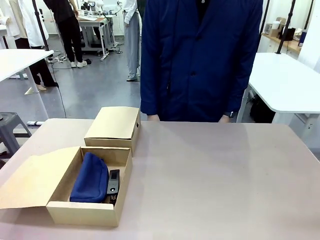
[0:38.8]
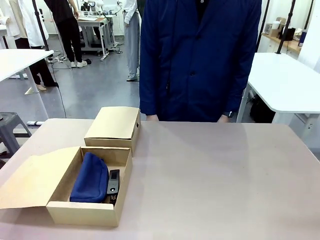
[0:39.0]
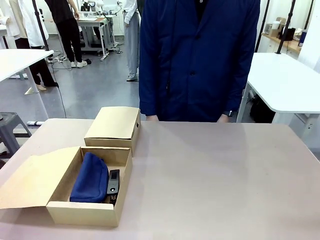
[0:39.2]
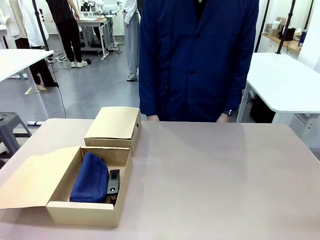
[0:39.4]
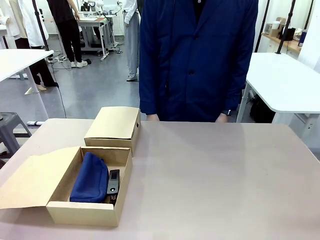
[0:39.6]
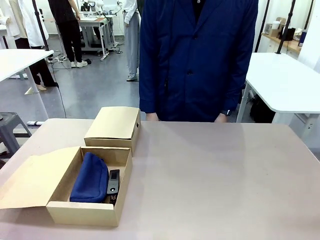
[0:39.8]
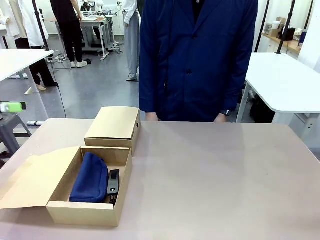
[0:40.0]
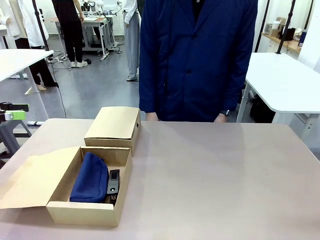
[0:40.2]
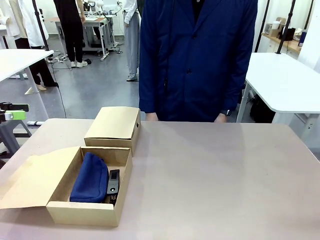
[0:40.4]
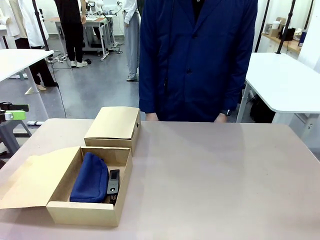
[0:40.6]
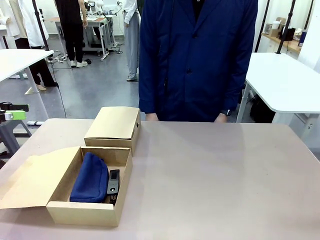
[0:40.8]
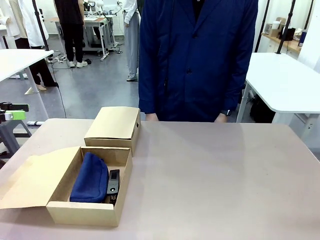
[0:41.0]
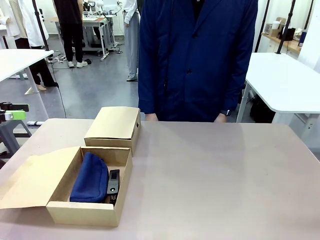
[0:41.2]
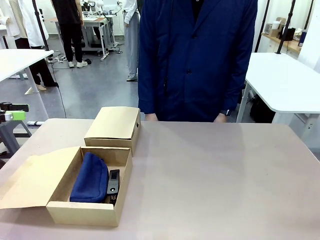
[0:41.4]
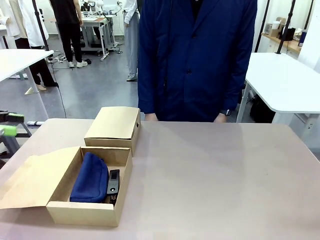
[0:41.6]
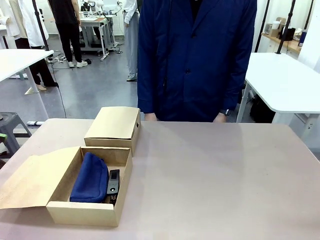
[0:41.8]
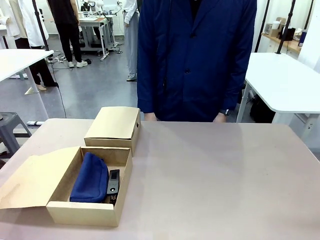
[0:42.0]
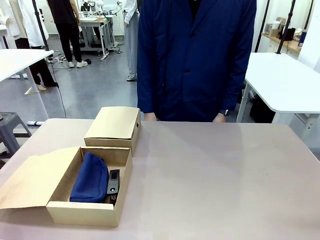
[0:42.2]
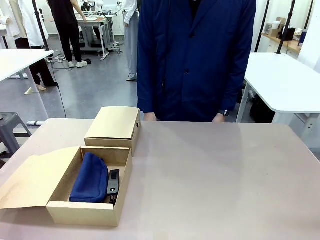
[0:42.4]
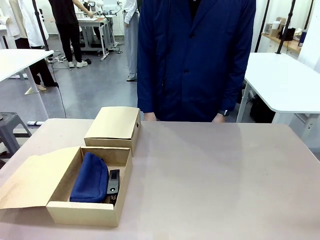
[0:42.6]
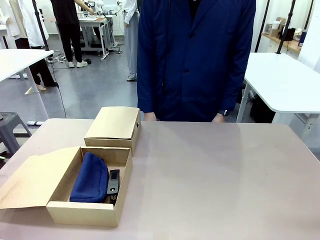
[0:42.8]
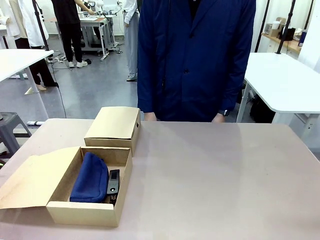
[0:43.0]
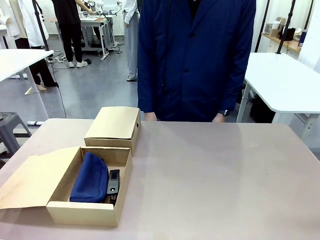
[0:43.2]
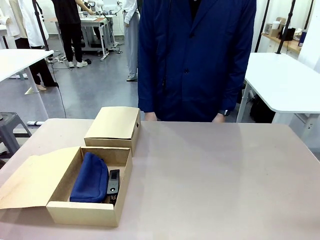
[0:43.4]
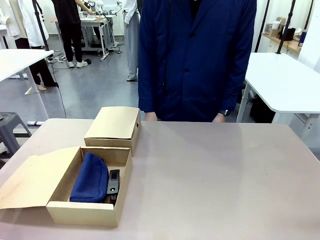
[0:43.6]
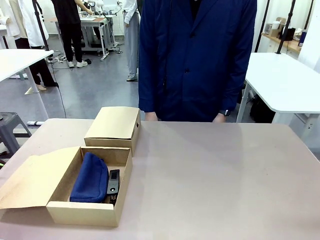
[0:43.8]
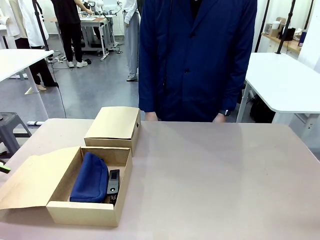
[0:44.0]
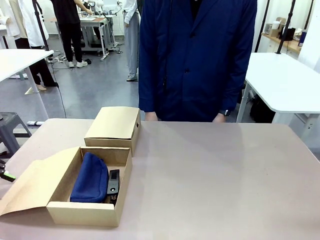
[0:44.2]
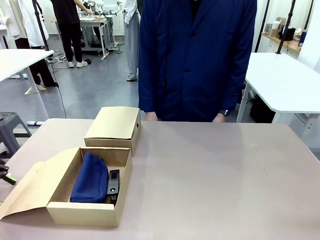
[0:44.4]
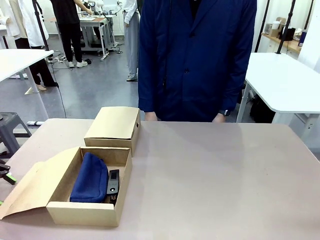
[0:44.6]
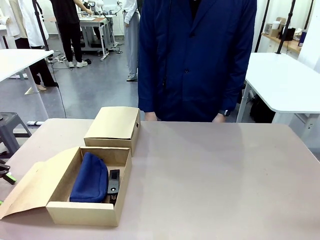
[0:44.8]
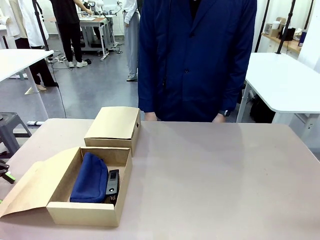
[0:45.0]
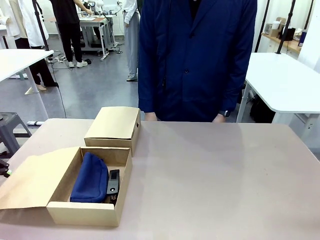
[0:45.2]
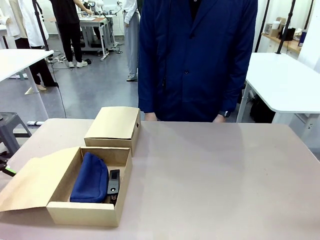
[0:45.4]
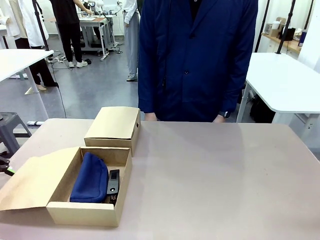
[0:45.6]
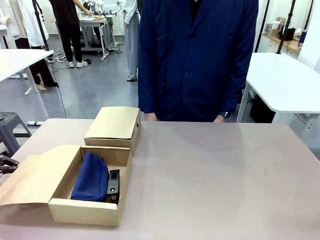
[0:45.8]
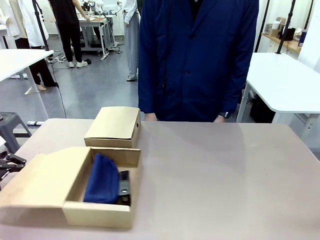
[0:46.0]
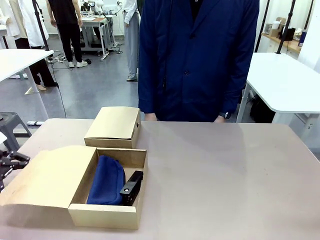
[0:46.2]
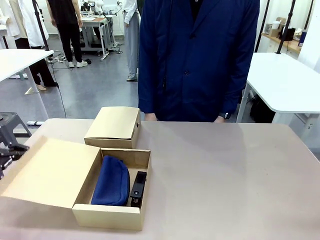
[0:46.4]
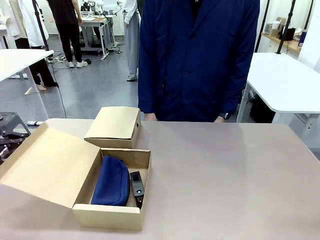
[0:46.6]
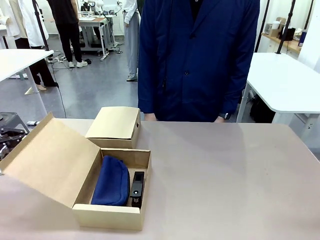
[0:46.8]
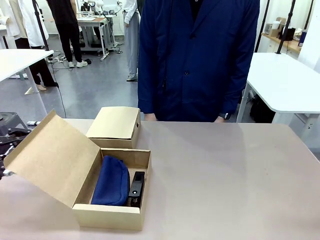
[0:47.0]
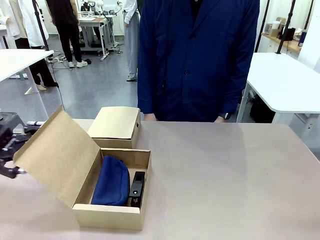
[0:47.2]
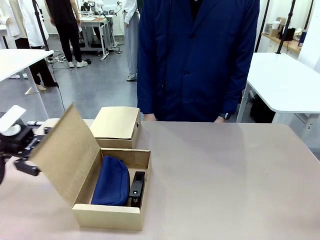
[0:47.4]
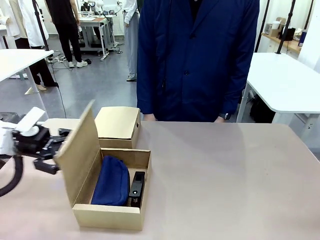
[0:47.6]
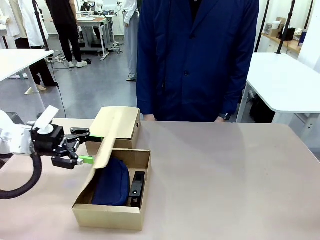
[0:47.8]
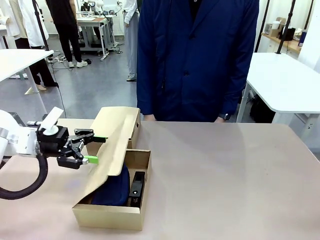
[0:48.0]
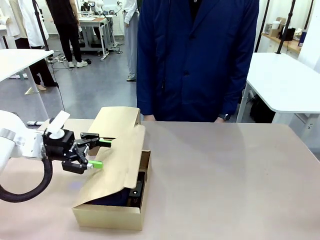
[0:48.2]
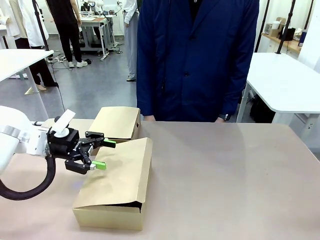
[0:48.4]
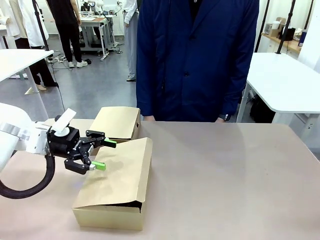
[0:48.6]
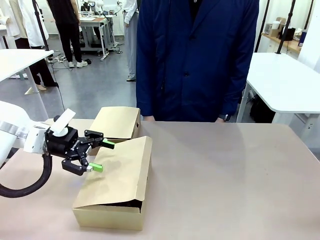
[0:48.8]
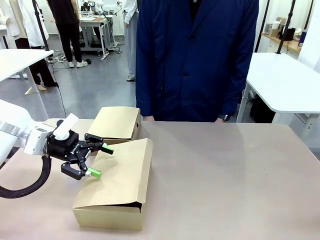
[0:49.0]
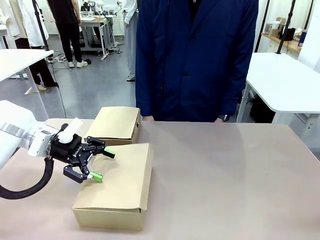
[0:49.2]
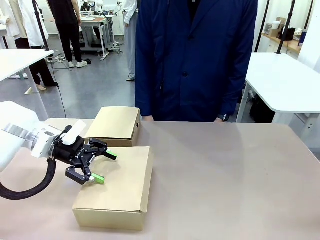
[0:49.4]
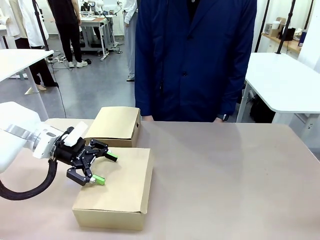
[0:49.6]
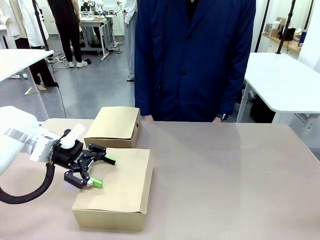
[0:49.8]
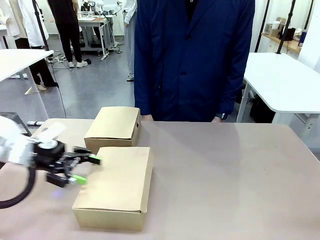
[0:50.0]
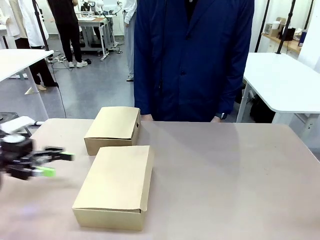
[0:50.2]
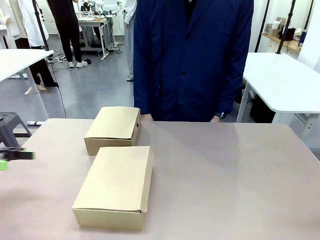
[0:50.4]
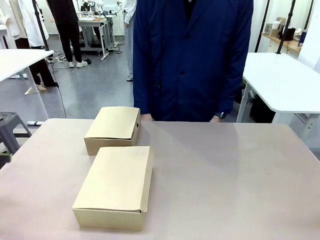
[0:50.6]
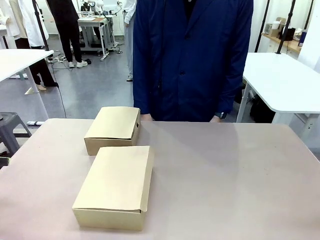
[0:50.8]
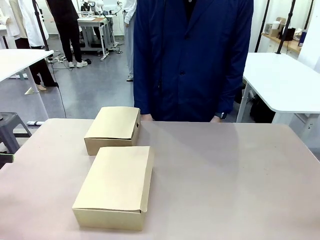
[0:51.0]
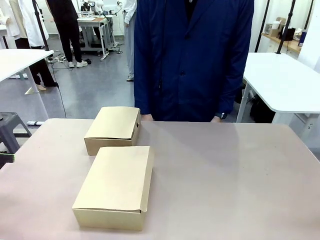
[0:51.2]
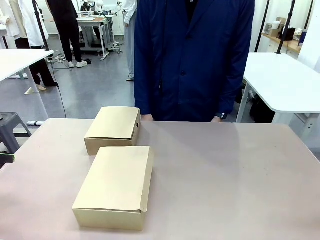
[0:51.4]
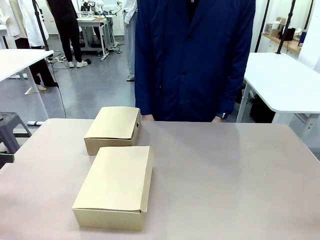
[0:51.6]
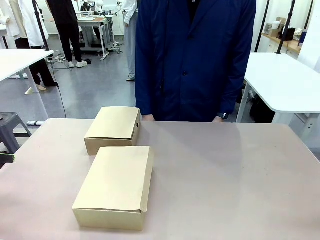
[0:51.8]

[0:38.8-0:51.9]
Task: Place items inside the box.
Robot: Close the lid of the Mailer Box closest to the robot.
Person: Close the lid of the box facing the person.

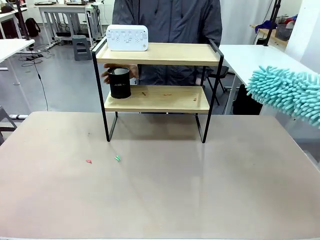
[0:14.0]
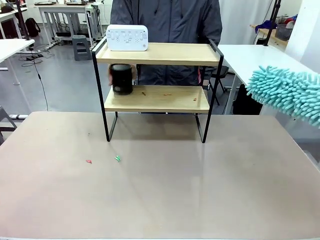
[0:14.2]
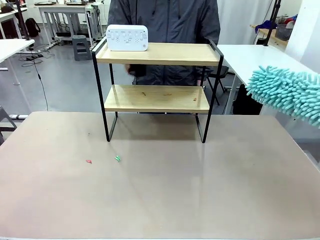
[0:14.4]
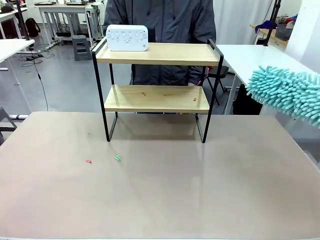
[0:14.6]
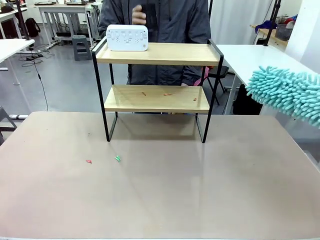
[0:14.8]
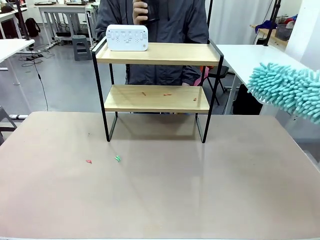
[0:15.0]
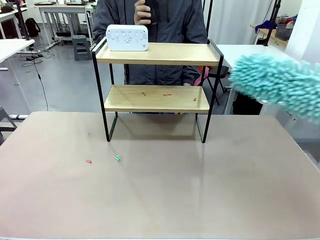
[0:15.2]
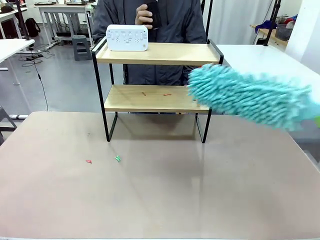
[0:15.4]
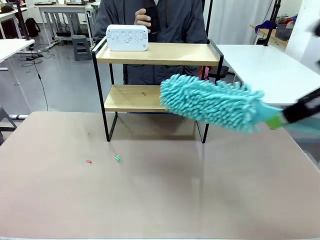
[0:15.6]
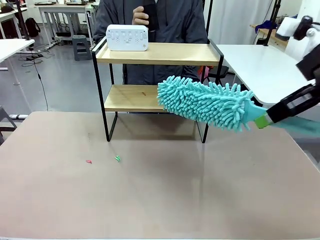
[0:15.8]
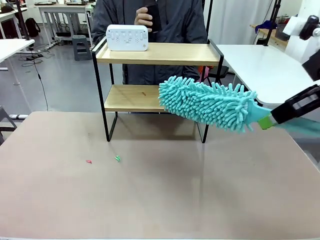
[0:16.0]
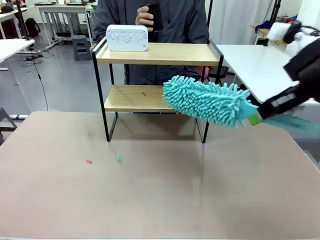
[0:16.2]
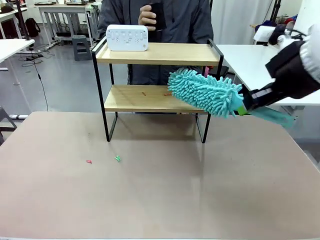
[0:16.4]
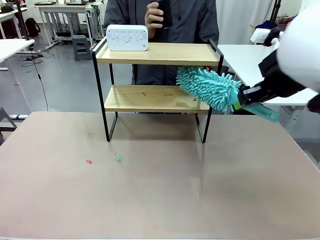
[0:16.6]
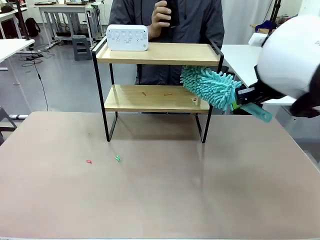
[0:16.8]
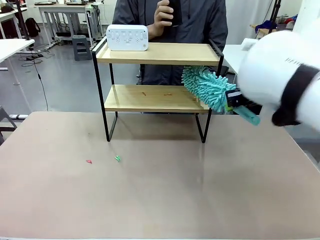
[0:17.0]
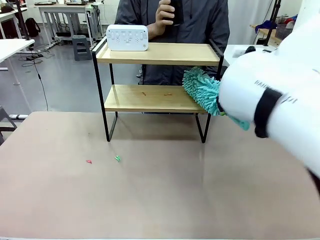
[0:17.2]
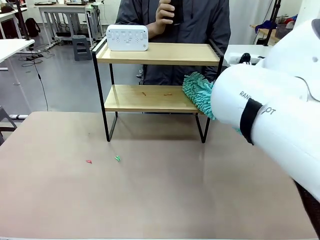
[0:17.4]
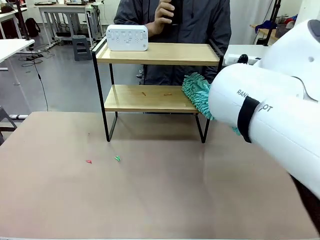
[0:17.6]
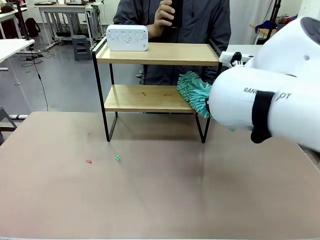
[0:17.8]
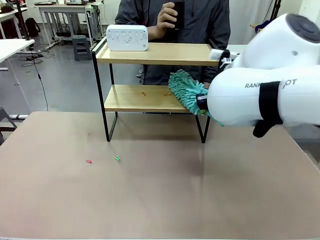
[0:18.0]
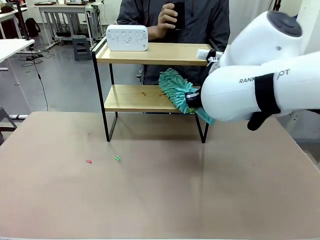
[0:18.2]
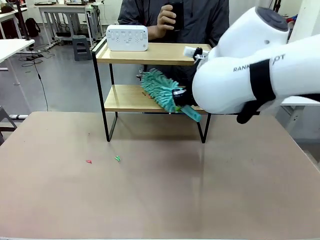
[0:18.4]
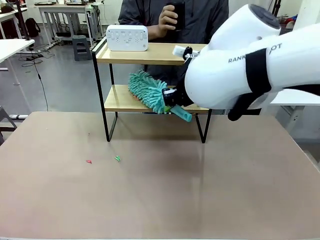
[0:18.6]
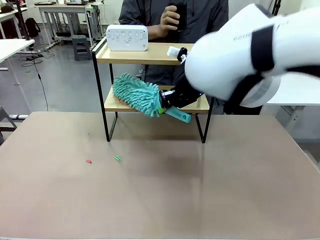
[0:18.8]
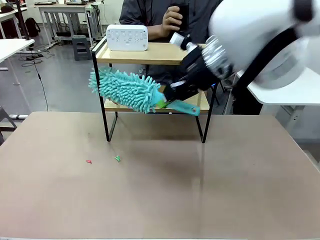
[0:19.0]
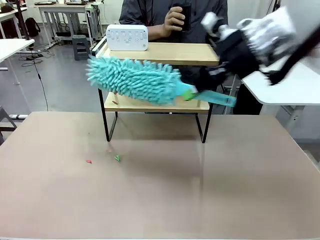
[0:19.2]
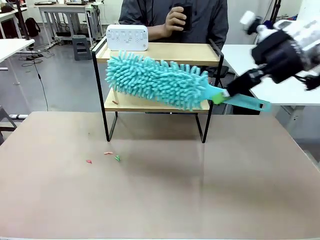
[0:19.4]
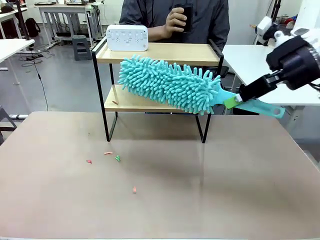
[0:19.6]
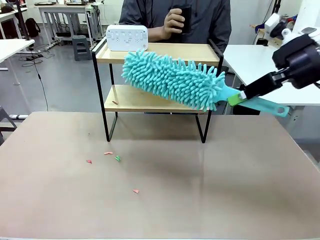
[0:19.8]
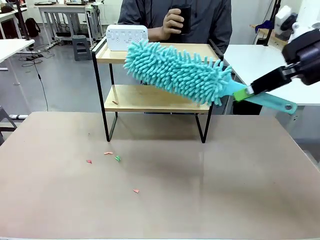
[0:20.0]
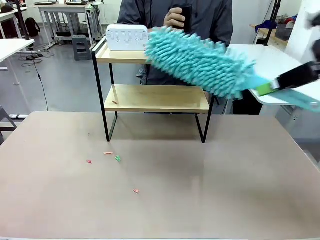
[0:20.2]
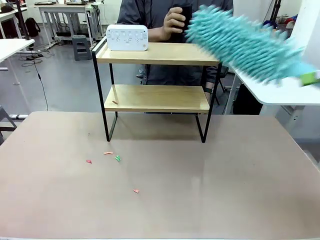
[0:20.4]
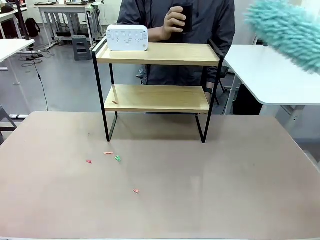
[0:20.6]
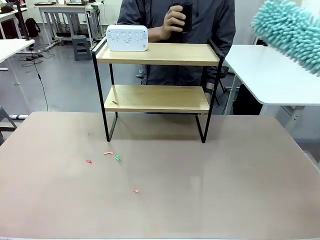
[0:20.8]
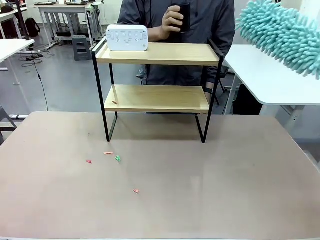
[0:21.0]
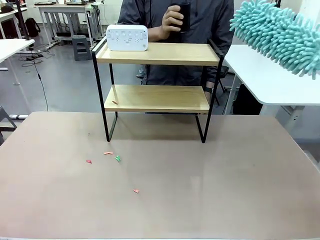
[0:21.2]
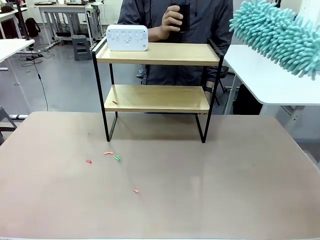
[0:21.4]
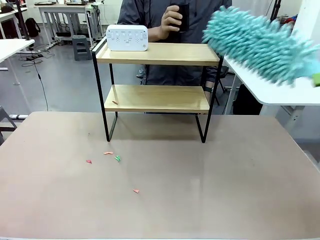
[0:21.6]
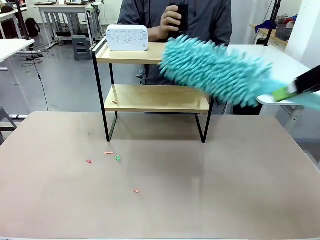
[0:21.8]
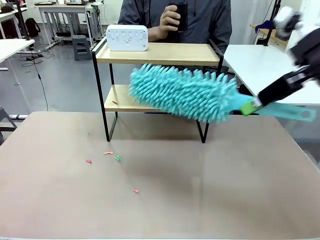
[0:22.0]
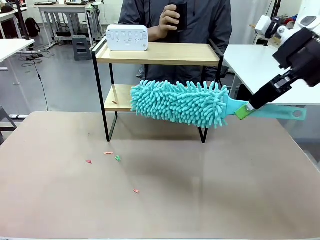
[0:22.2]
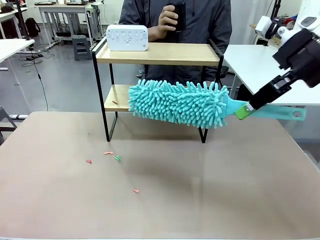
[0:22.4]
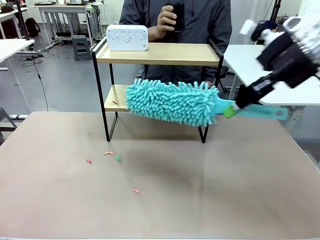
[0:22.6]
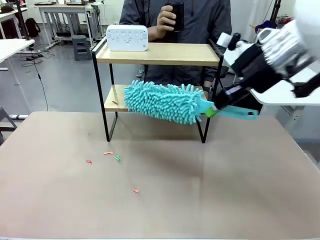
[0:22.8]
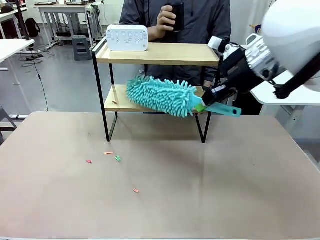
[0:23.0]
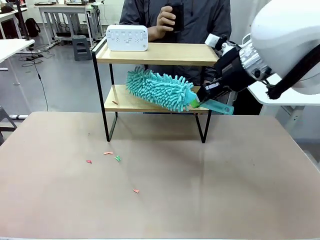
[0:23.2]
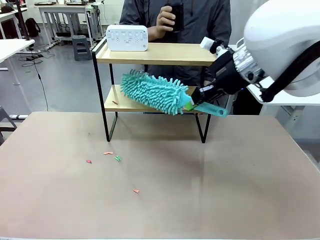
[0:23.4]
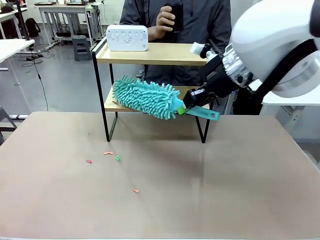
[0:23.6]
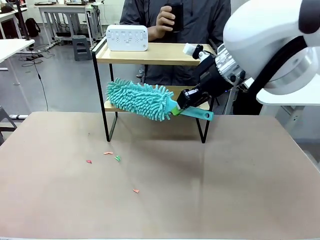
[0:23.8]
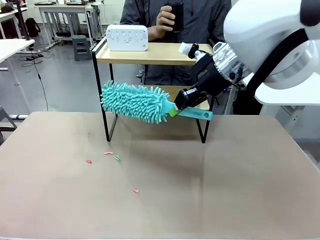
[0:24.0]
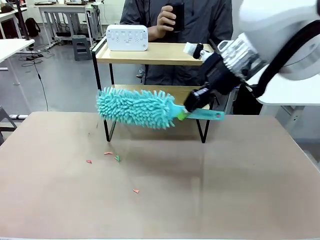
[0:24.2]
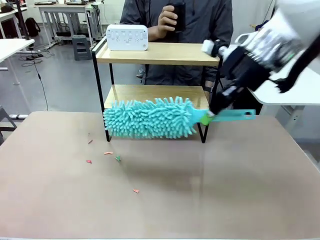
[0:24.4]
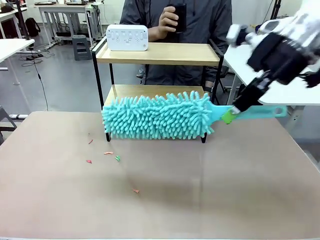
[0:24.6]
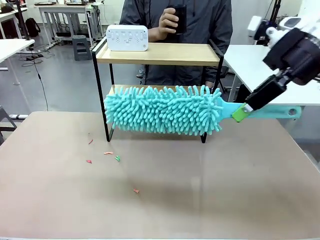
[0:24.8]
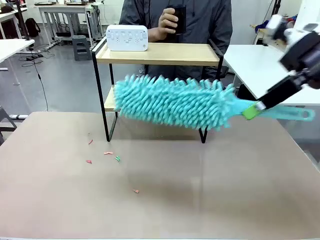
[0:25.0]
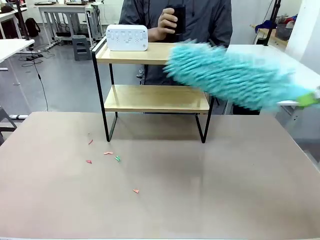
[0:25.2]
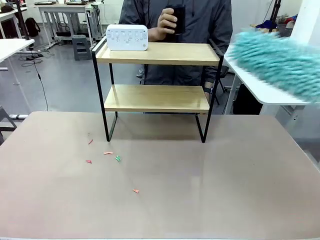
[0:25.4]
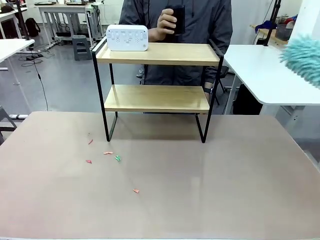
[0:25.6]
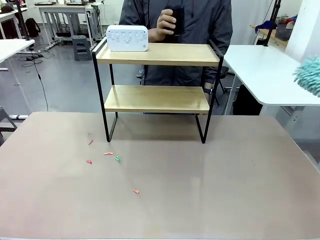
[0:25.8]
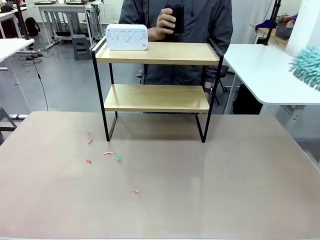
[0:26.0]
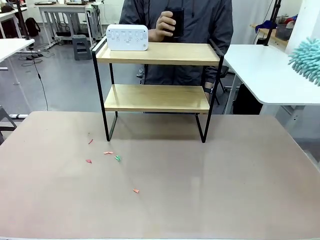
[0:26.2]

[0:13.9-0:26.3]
Task: Clean the shelf.
Robot: Clean the remaining tier of the Shelf with the Duster once objects are removed.
